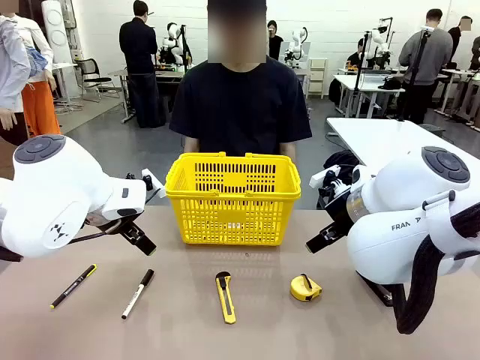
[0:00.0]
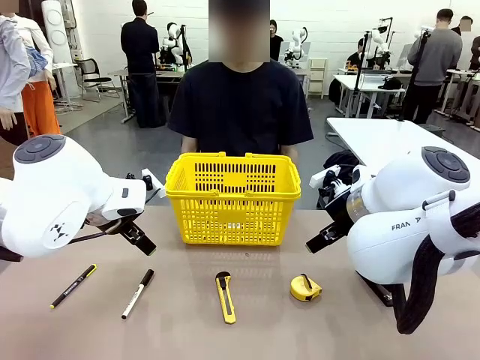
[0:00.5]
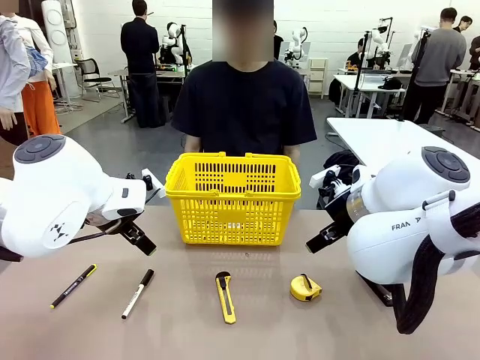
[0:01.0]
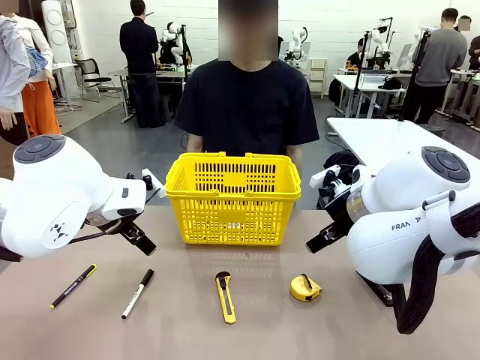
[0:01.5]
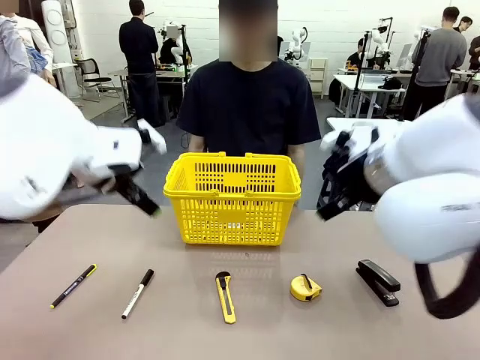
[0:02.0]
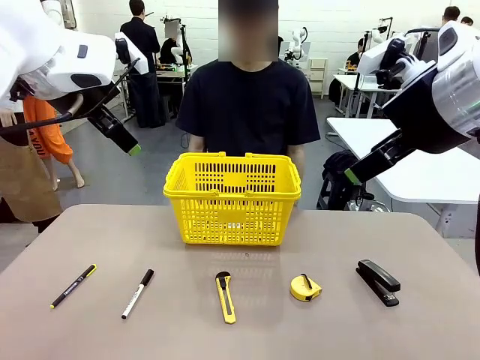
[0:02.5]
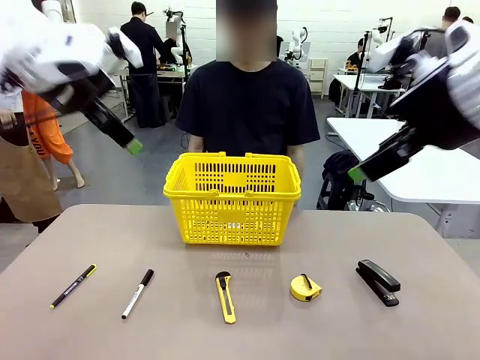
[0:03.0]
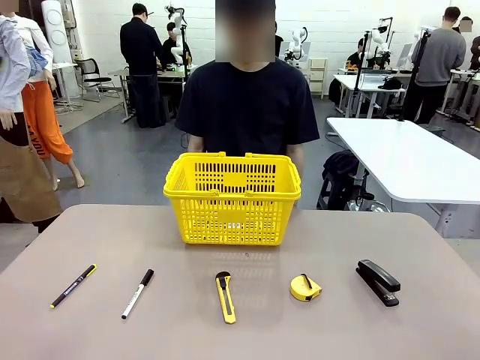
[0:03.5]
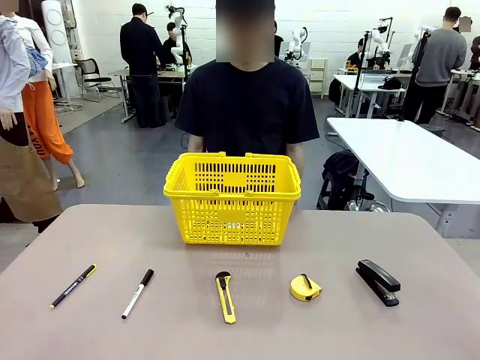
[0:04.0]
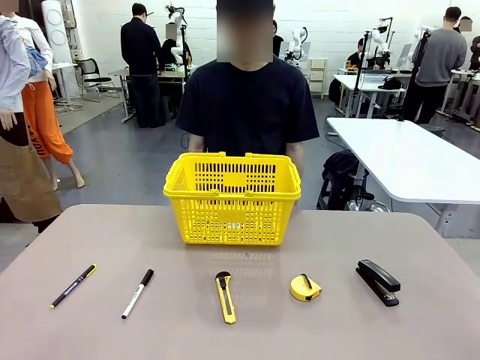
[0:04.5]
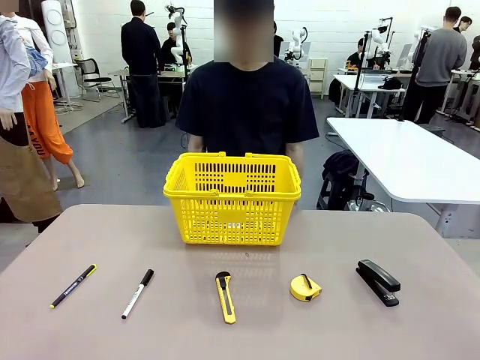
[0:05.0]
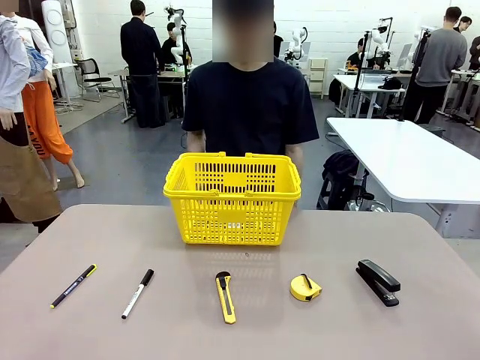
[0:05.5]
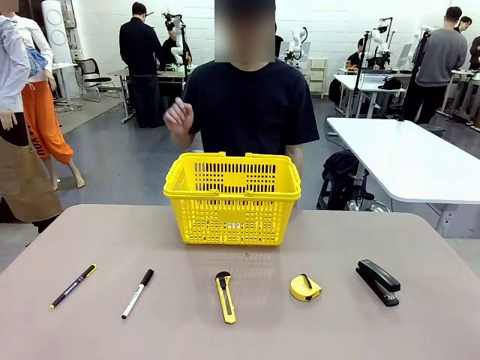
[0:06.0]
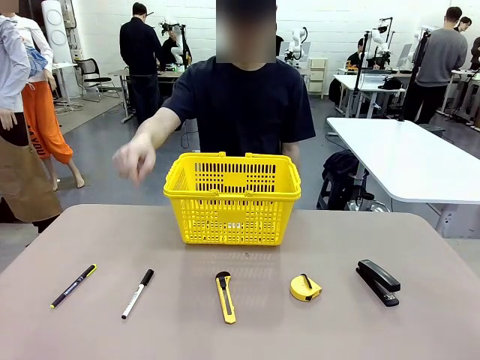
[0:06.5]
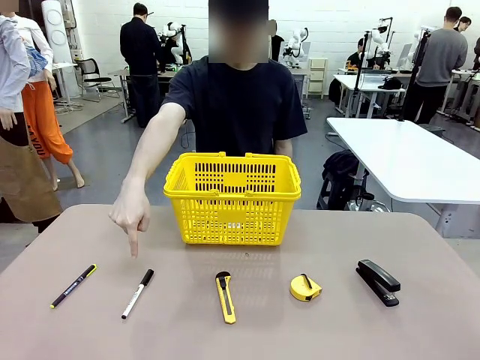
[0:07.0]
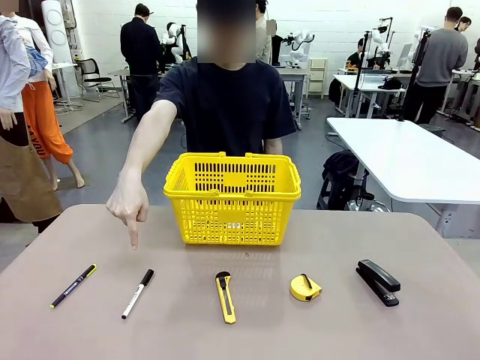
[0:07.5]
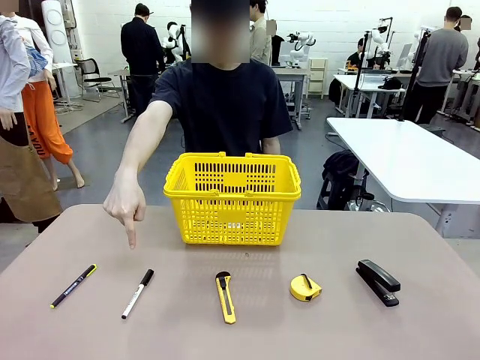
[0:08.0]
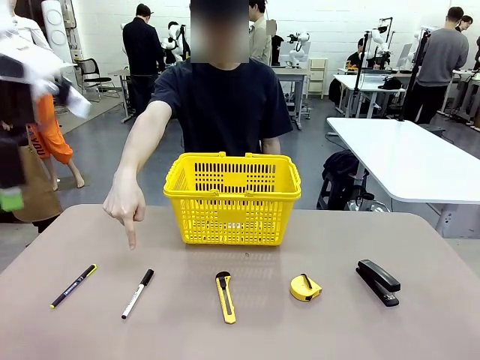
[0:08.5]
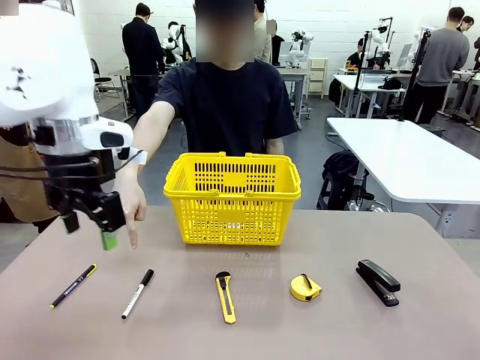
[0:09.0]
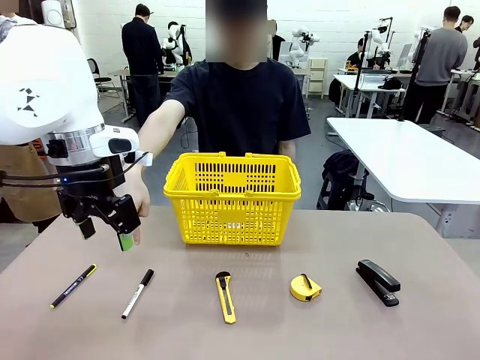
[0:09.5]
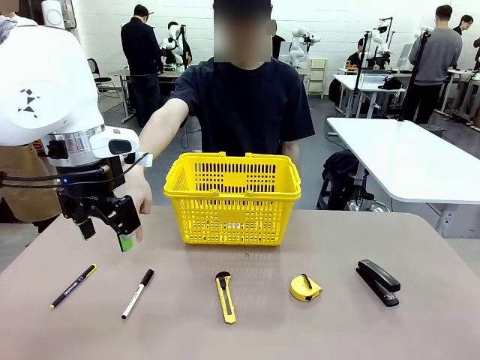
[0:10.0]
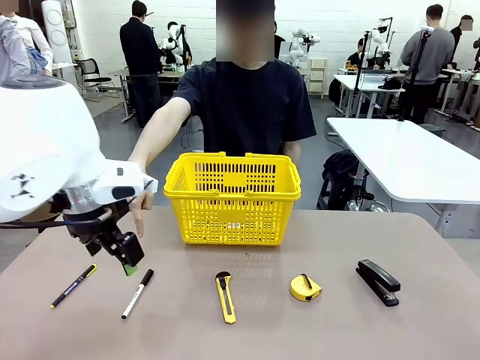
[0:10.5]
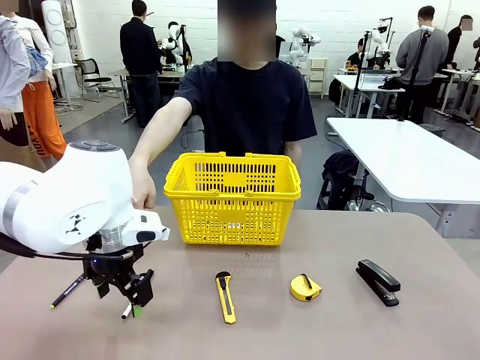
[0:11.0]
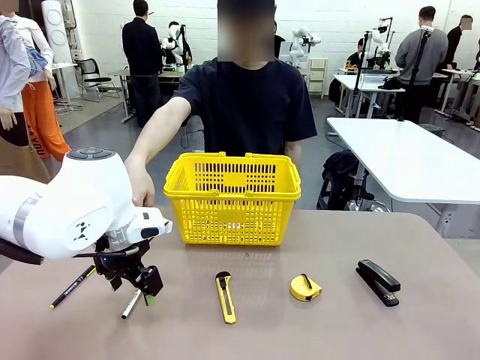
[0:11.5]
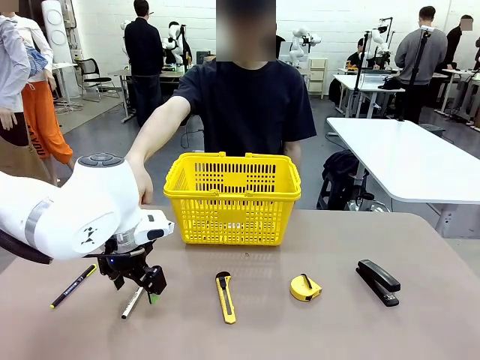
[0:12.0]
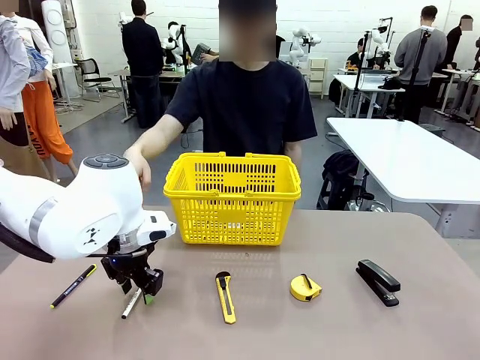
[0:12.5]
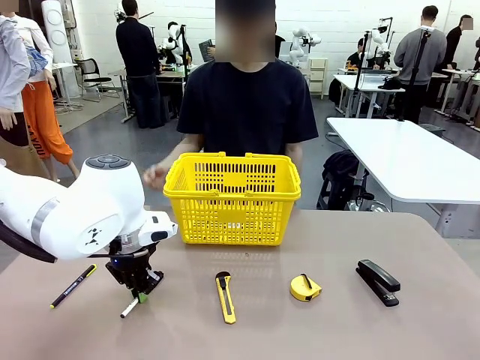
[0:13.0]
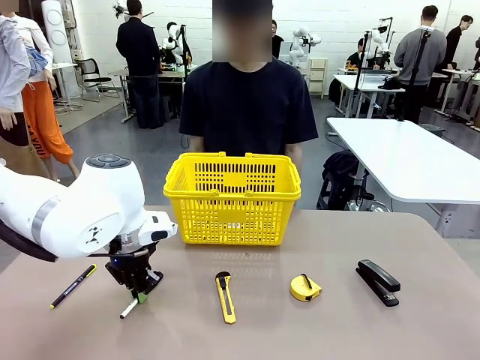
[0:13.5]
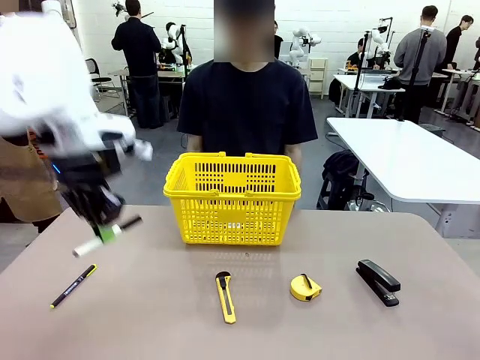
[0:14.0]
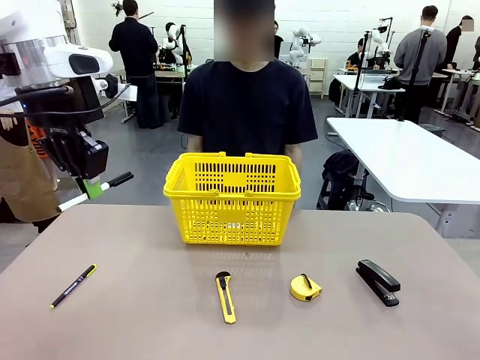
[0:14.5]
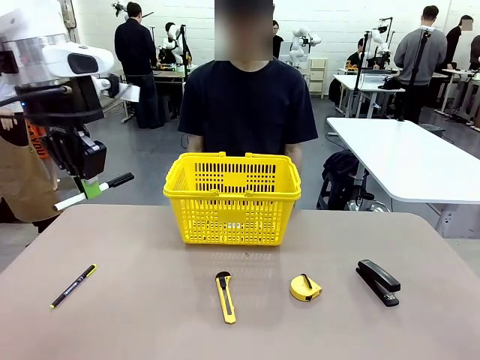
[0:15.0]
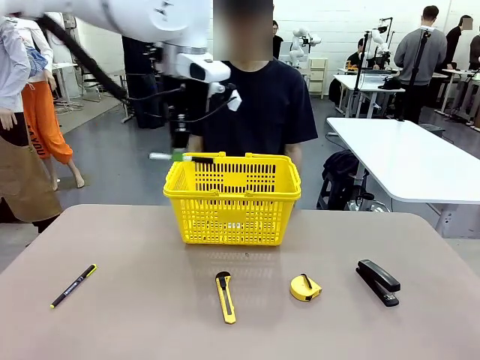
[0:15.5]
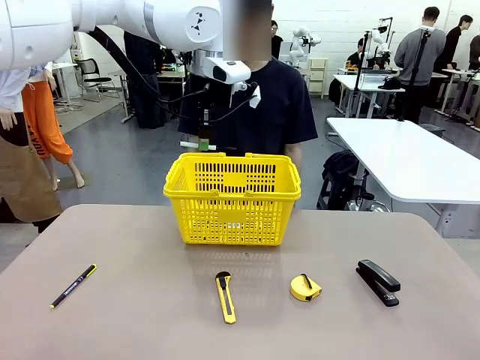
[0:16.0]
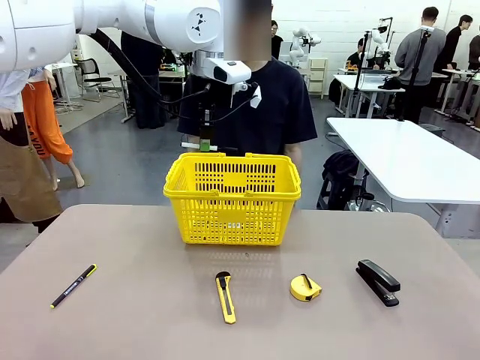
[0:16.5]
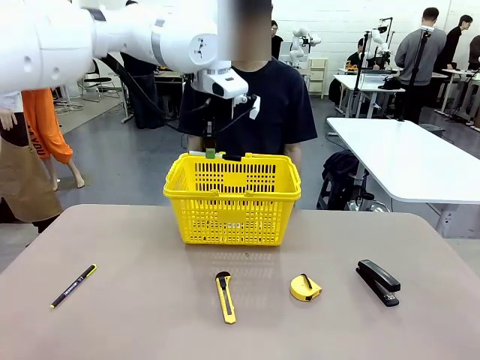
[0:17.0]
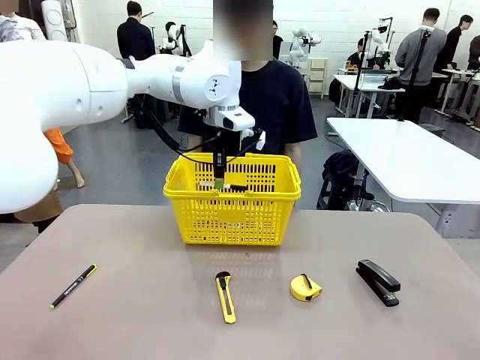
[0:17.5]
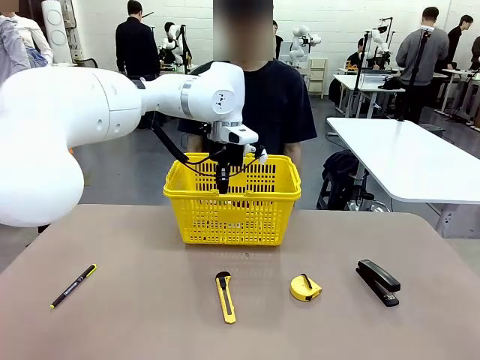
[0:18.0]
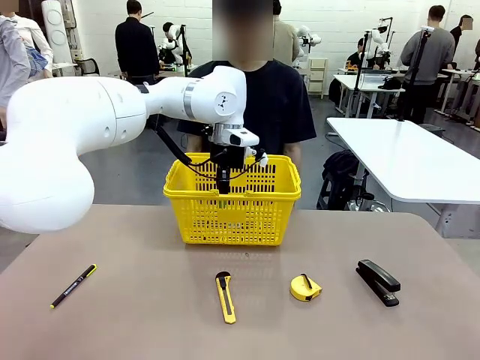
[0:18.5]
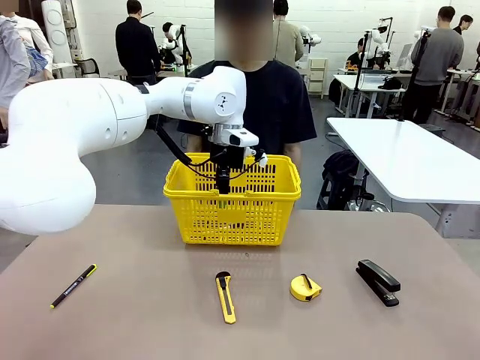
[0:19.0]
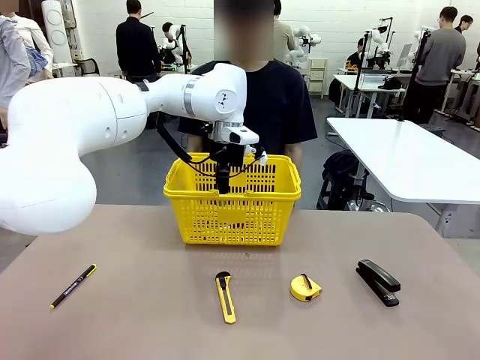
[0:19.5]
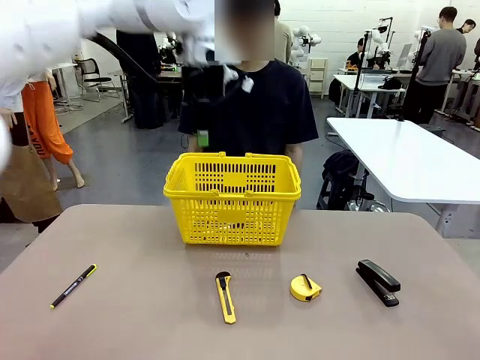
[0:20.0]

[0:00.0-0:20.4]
Task: Place the items the person wants into the basket.
Robot: Pick up the item the person points to and place it in the Market Basket.
